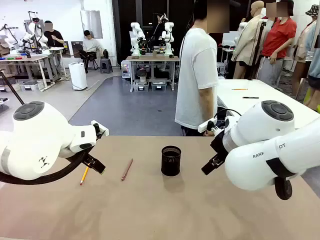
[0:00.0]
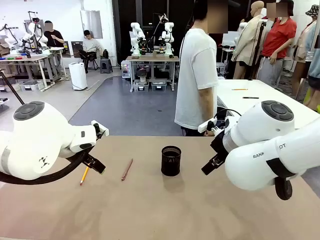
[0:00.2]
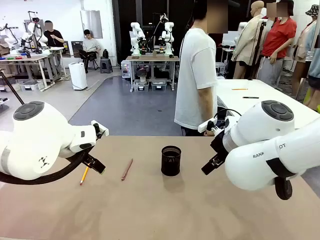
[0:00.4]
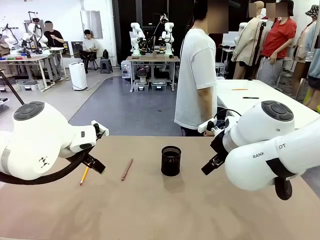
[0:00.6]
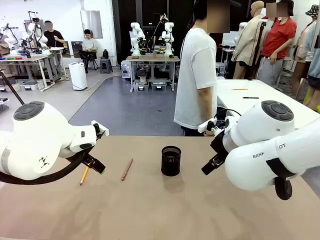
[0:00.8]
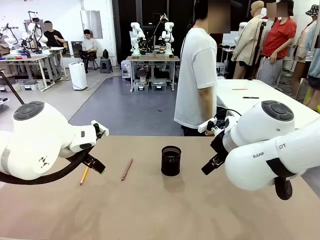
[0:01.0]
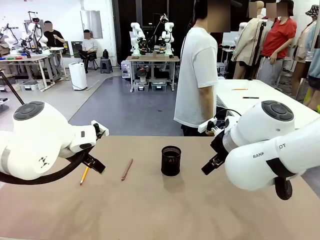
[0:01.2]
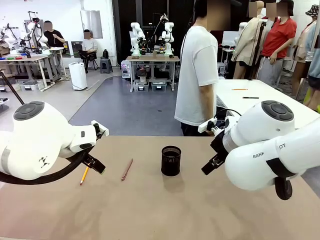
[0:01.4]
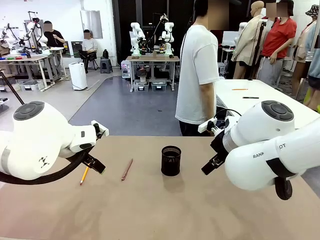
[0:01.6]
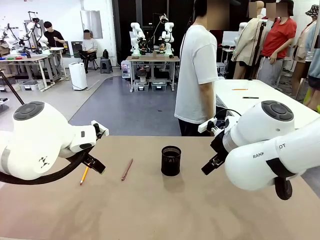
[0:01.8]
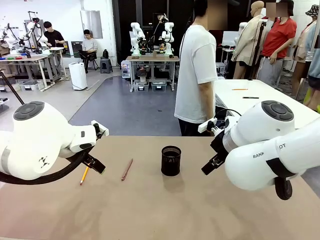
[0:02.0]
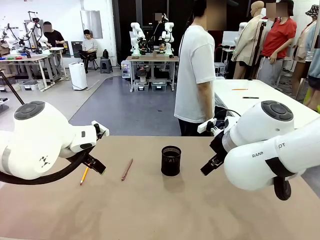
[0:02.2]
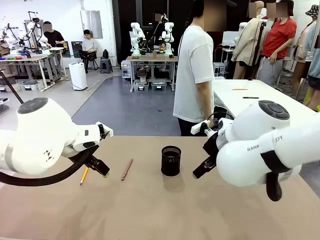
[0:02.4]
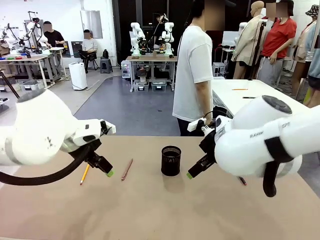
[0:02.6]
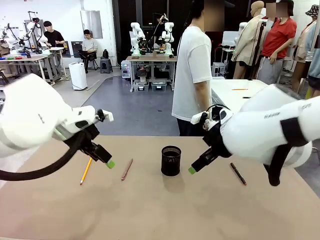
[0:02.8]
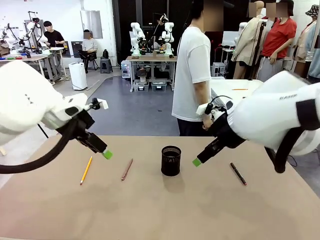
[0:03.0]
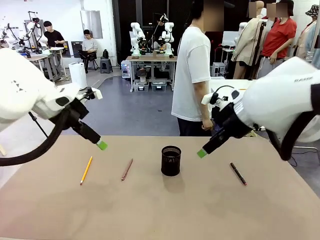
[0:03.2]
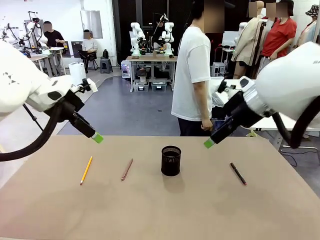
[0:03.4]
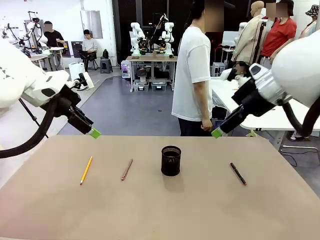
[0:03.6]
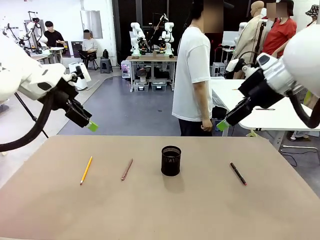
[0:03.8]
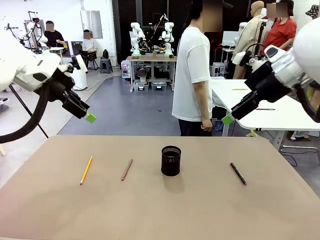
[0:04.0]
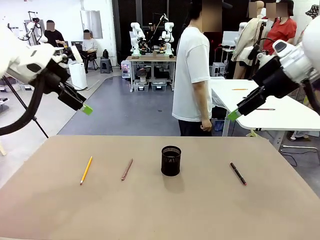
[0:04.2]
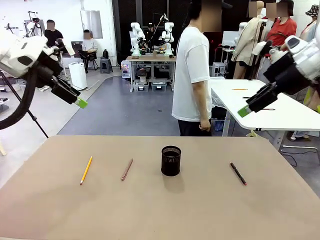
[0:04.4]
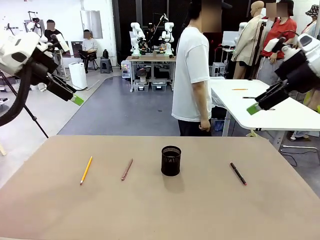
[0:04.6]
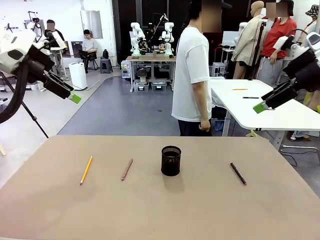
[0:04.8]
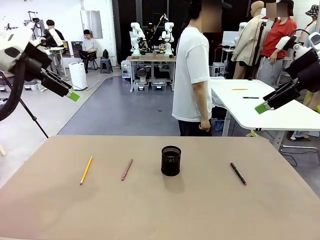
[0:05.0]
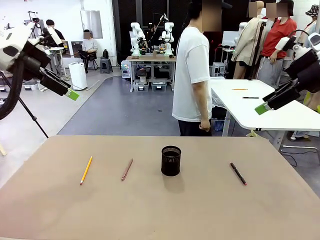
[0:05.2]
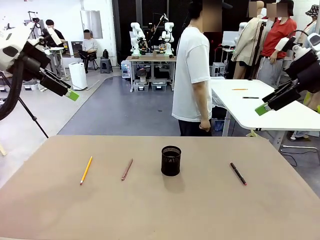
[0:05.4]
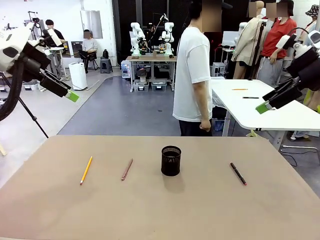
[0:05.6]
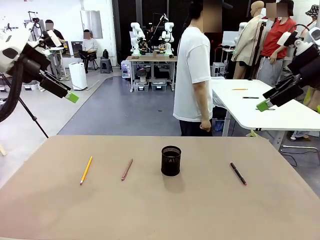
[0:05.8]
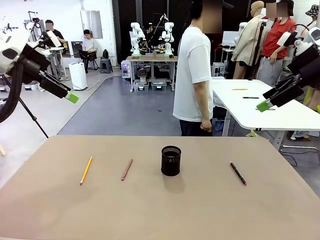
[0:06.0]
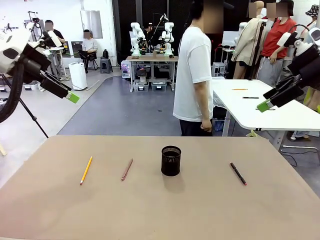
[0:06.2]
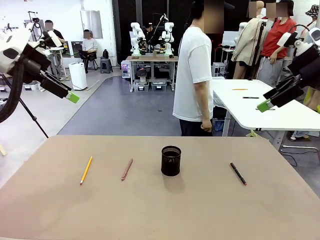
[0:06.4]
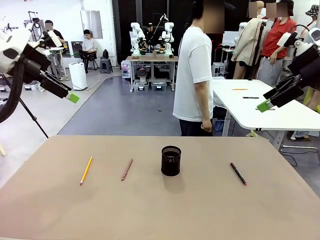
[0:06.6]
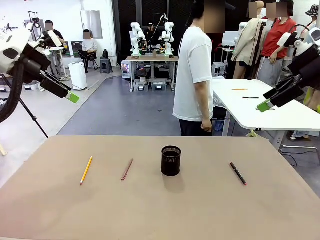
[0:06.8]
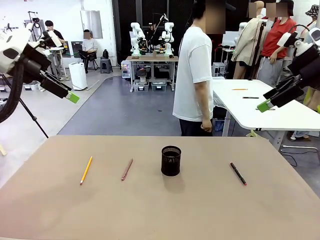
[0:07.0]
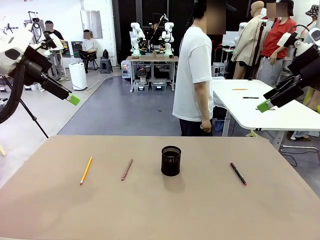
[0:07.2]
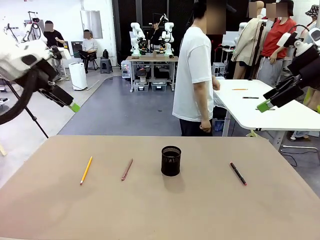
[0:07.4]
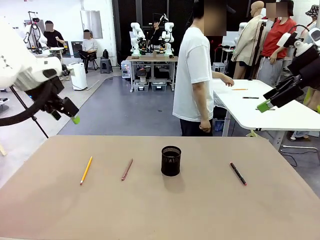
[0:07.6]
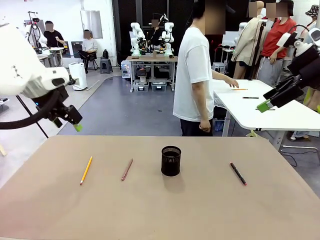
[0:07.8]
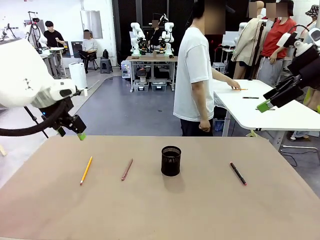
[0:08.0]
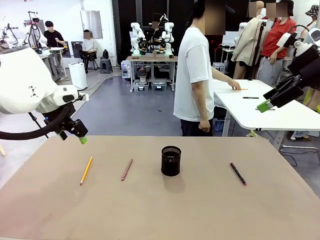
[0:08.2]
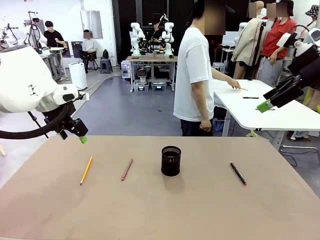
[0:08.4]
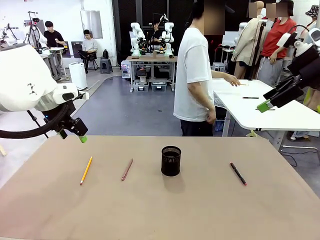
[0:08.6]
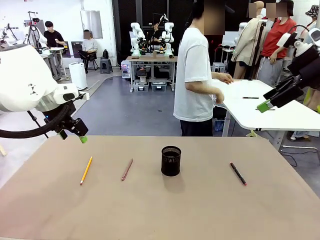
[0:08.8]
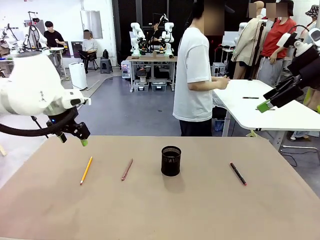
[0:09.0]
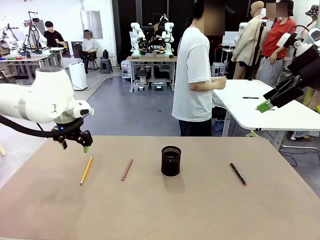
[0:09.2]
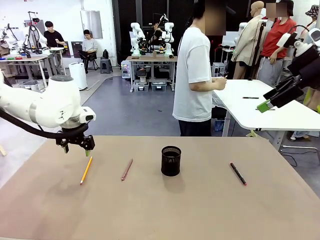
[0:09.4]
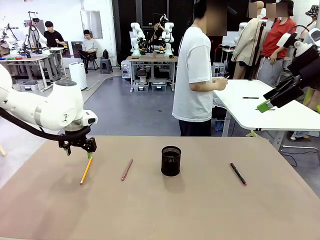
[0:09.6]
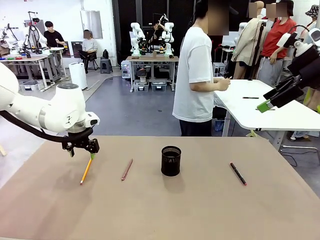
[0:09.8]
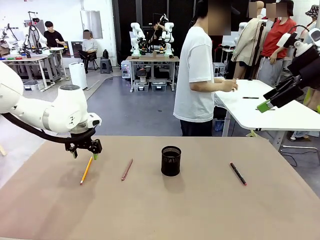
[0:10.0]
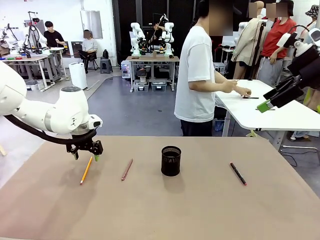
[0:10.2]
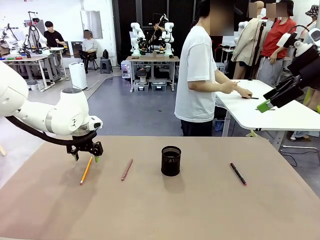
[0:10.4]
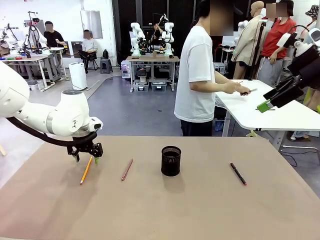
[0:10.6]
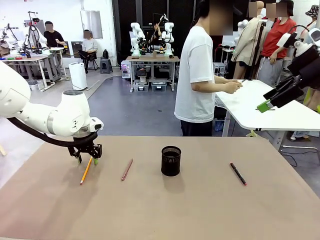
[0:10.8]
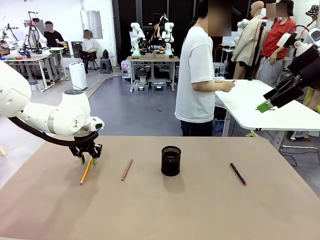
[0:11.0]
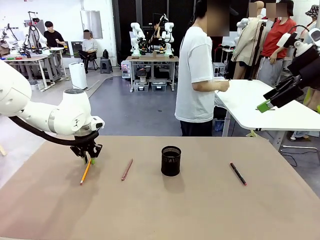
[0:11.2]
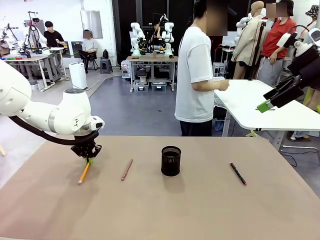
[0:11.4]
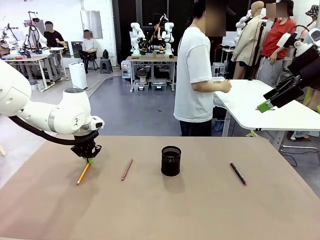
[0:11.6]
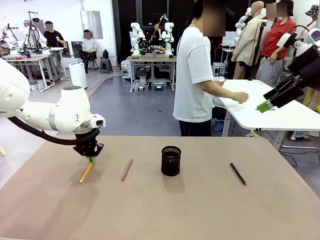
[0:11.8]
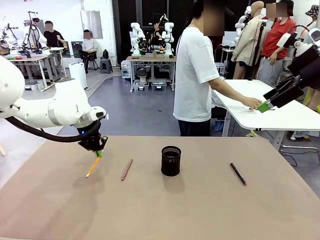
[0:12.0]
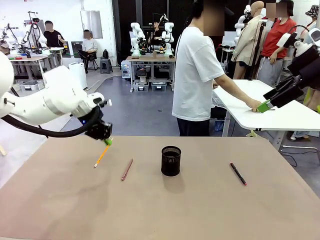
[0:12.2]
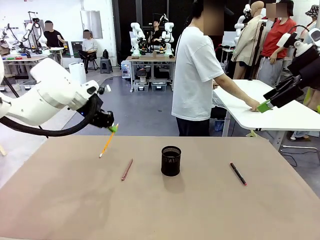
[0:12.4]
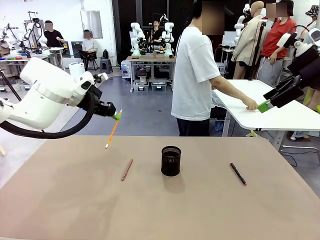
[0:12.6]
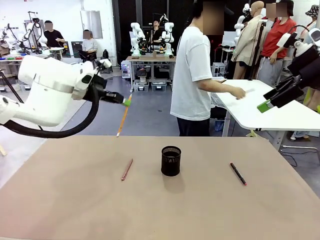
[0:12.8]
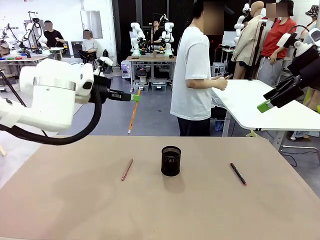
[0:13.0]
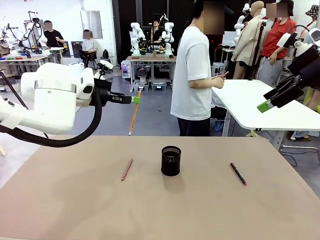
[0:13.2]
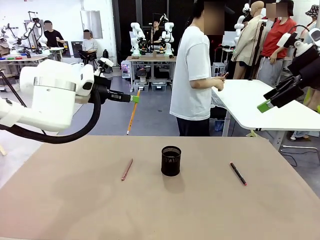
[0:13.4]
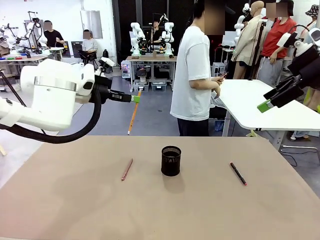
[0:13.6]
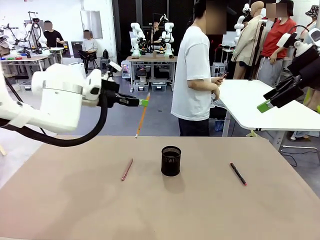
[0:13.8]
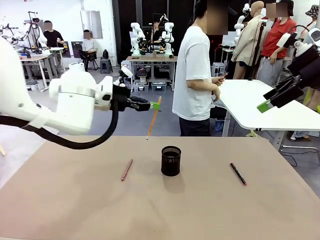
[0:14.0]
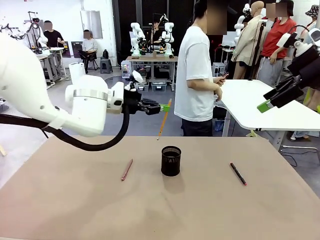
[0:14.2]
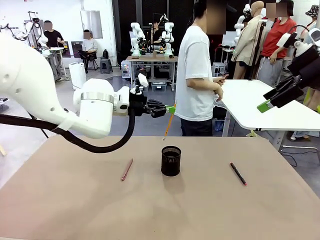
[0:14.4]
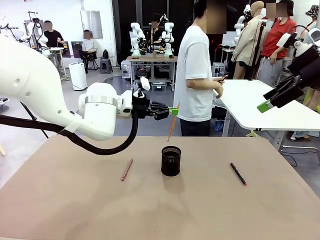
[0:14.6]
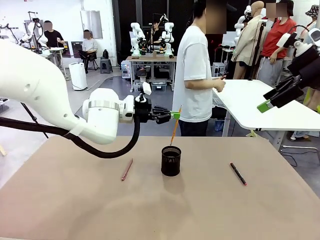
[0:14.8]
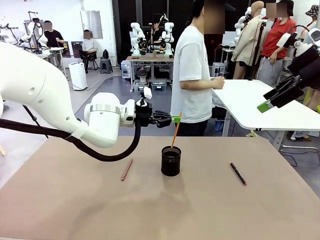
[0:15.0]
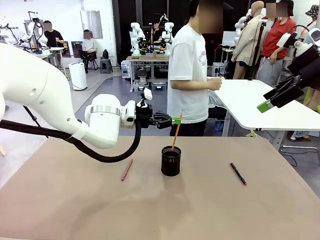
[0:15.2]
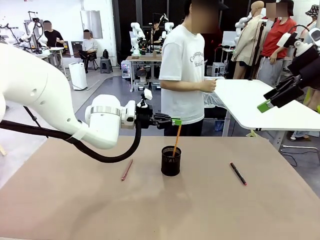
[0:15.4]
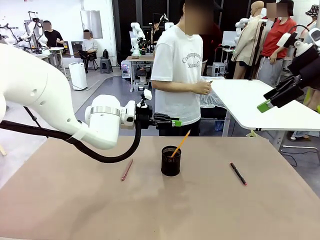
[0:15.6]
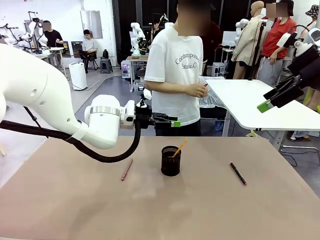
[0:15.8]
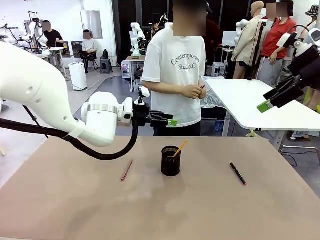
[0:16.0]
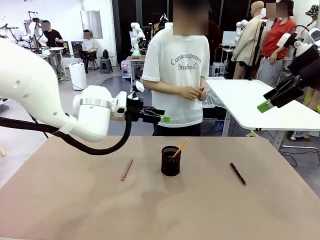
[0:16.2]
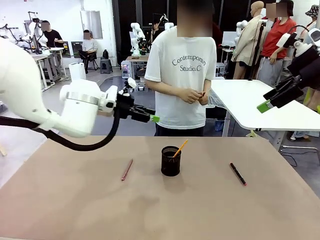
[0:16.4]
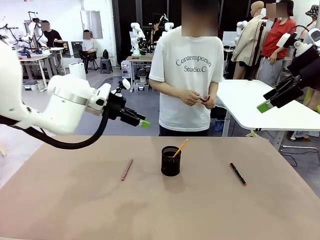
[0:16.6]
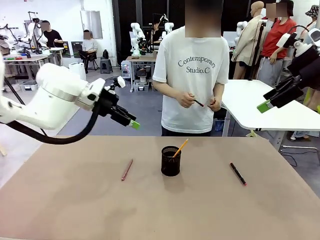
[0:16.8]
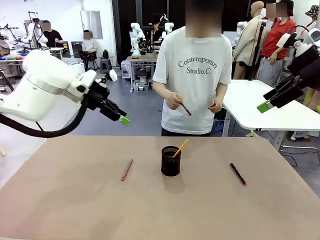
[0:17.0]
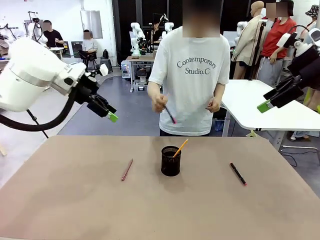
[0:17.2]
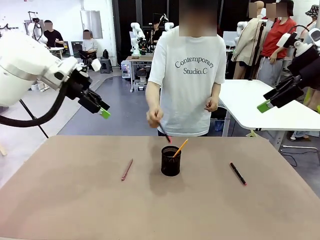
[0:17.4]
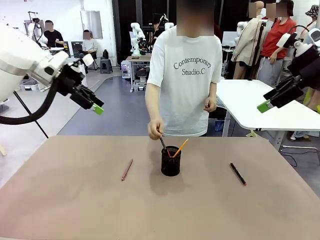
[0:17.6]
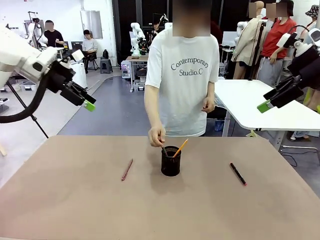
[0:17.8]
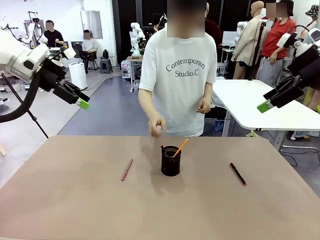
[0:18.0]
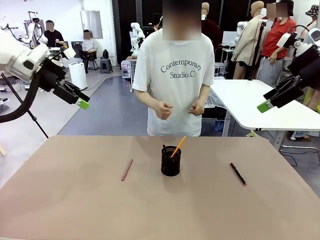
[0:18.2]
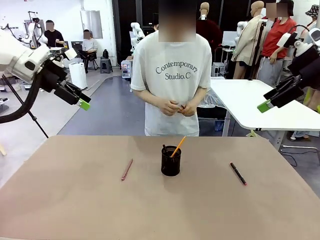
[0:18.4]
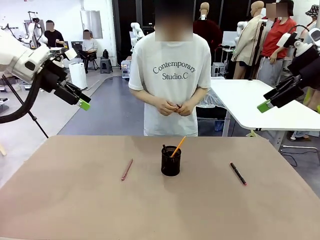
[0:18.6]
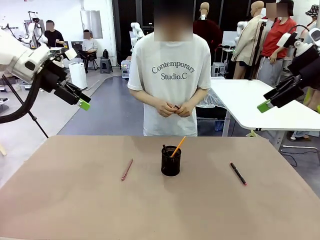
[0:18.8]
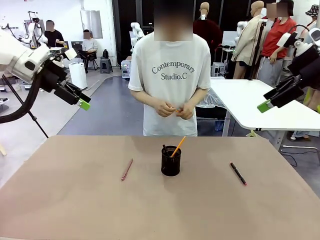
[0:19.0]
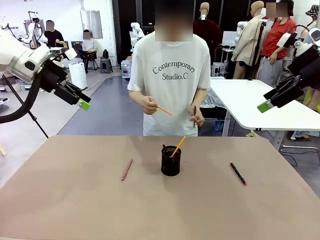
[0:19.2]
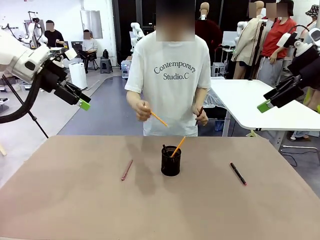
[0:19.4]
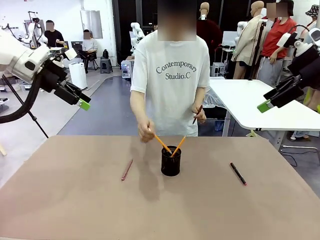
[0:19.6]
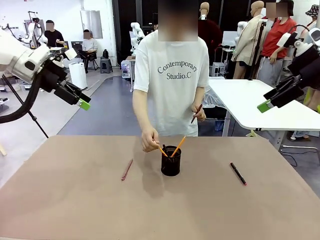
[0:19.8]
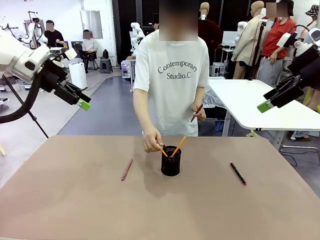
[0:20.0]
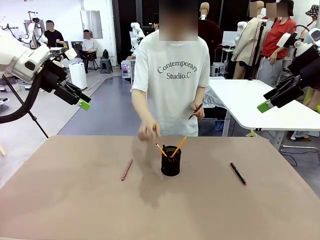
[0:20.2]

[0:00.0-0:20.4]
Task: Place the pens into the pen holder.
Robot: Pick up a writing instrument from the table and place it into the Pen holder.
Person: Pick up all writing instruments from the Human table.
